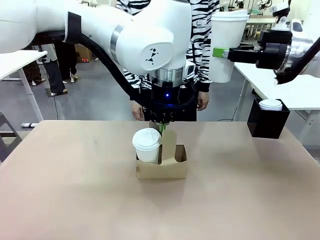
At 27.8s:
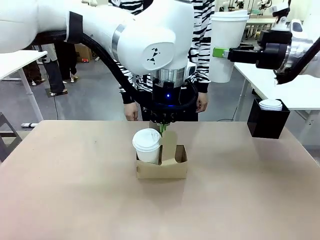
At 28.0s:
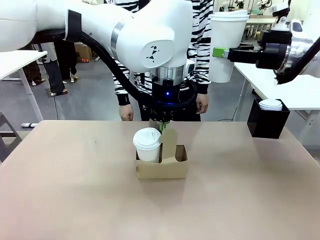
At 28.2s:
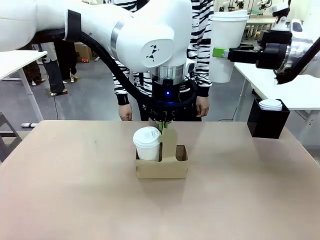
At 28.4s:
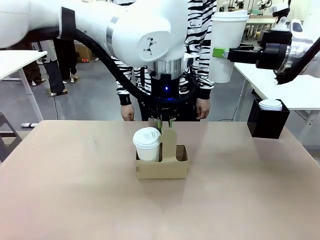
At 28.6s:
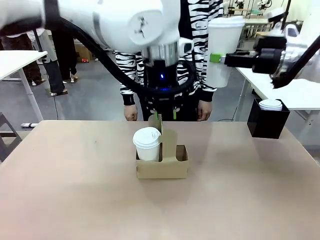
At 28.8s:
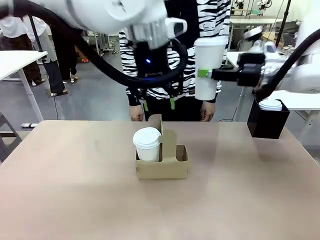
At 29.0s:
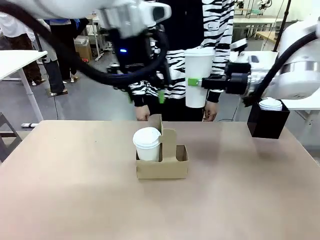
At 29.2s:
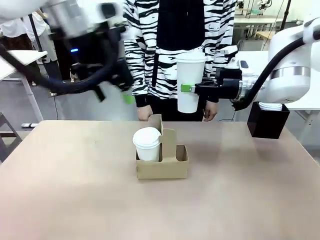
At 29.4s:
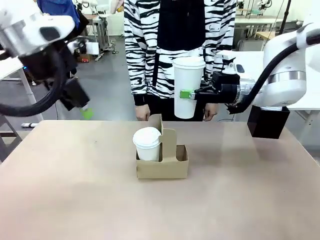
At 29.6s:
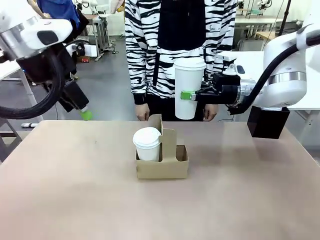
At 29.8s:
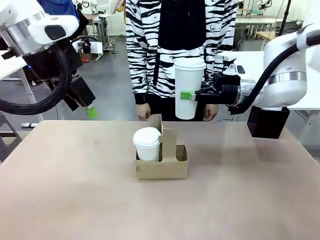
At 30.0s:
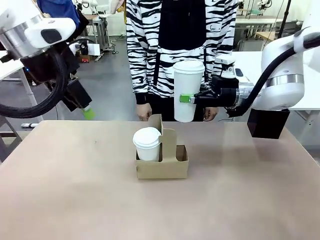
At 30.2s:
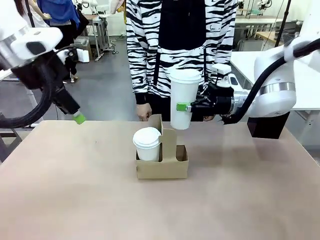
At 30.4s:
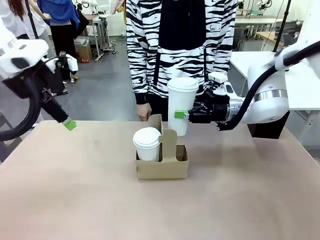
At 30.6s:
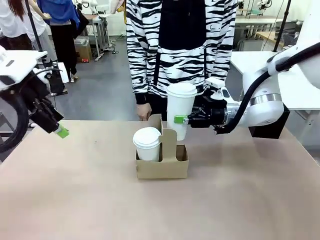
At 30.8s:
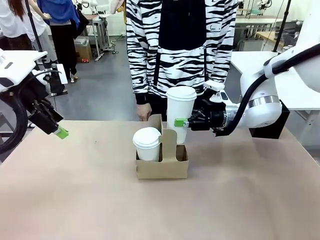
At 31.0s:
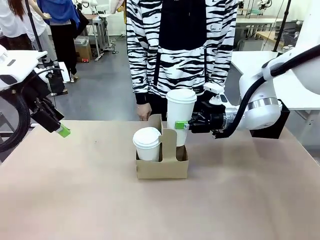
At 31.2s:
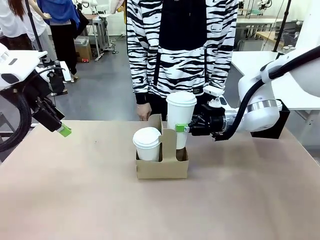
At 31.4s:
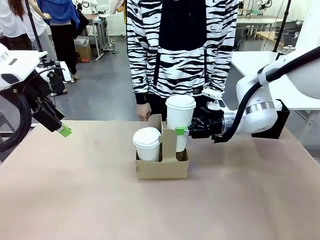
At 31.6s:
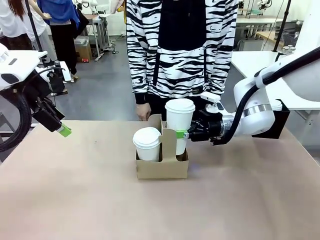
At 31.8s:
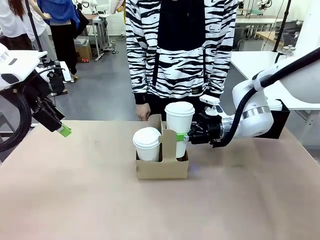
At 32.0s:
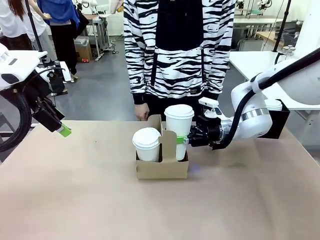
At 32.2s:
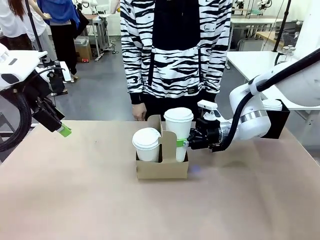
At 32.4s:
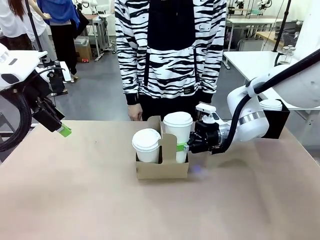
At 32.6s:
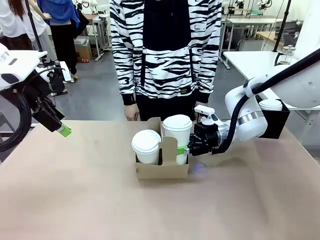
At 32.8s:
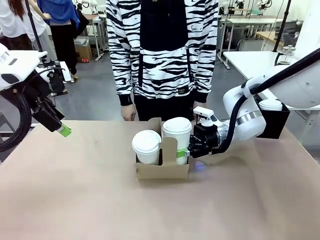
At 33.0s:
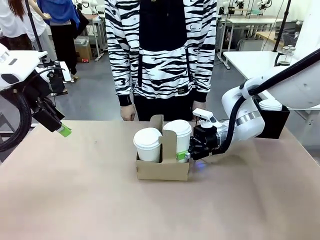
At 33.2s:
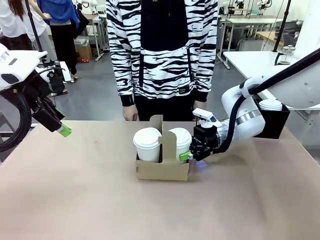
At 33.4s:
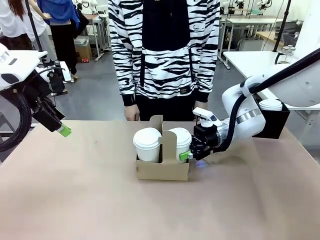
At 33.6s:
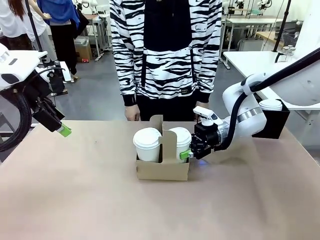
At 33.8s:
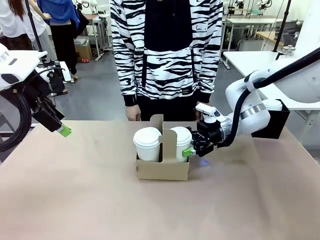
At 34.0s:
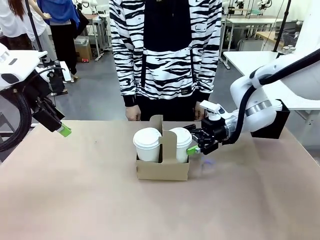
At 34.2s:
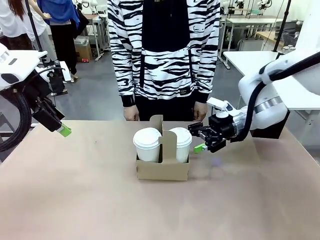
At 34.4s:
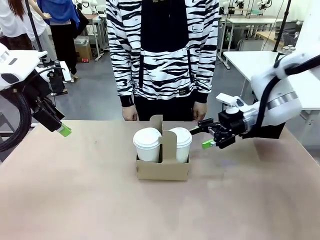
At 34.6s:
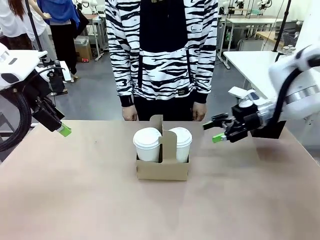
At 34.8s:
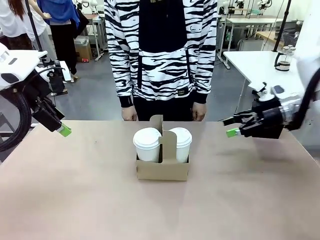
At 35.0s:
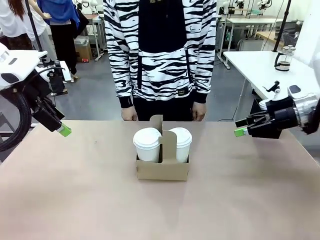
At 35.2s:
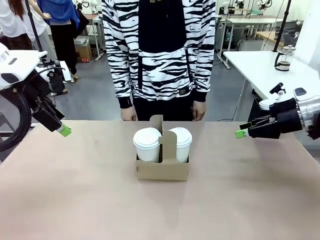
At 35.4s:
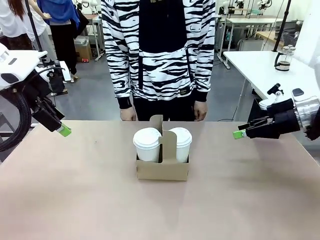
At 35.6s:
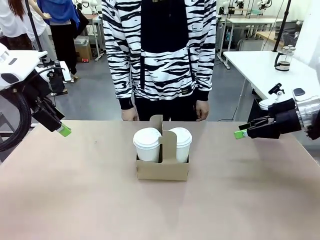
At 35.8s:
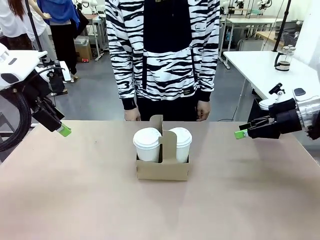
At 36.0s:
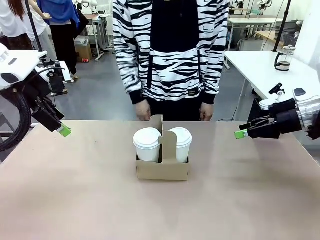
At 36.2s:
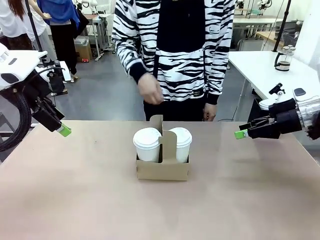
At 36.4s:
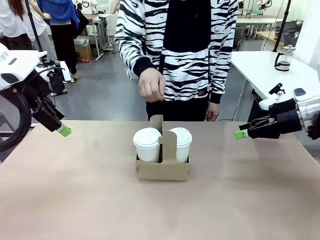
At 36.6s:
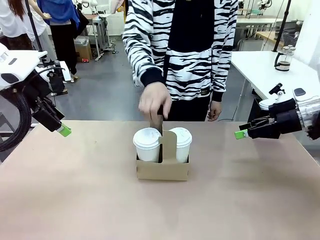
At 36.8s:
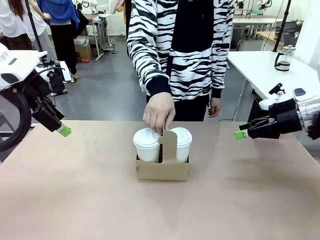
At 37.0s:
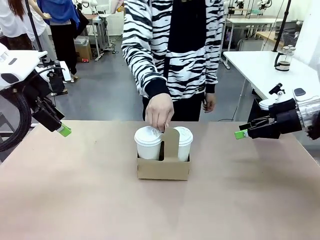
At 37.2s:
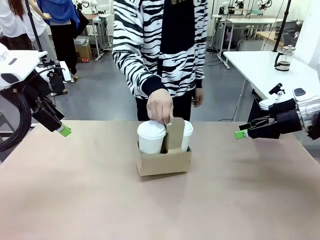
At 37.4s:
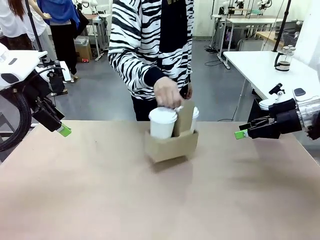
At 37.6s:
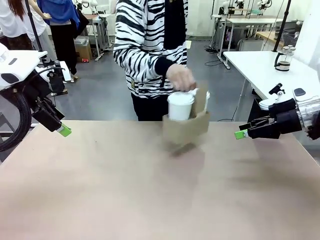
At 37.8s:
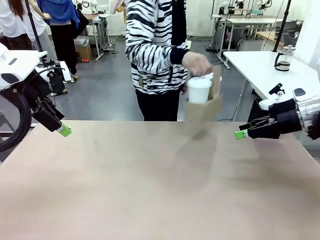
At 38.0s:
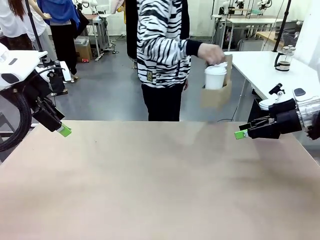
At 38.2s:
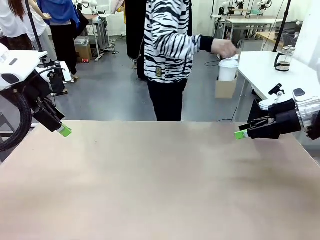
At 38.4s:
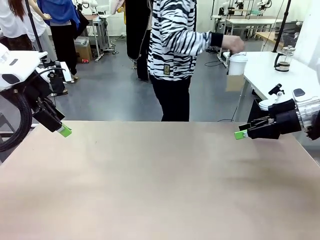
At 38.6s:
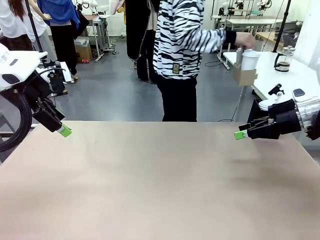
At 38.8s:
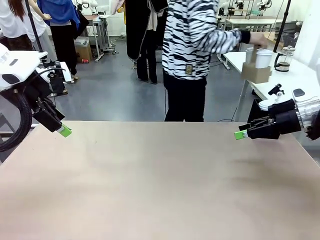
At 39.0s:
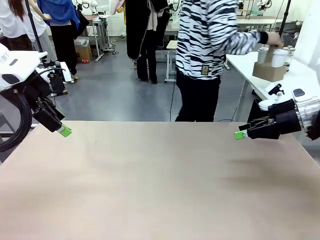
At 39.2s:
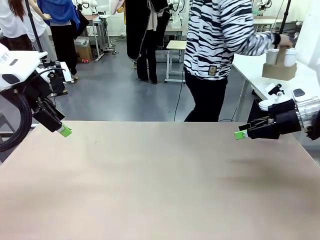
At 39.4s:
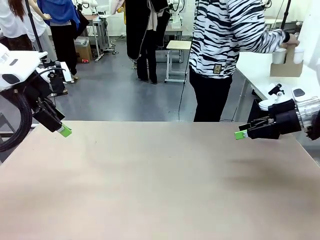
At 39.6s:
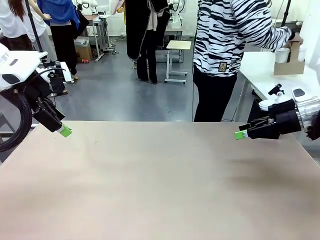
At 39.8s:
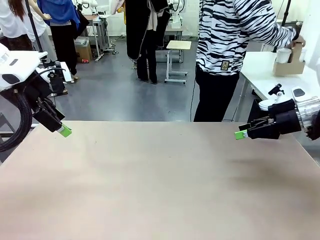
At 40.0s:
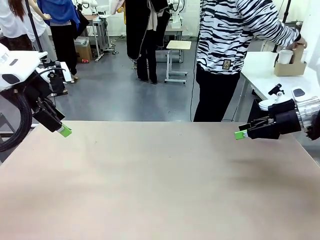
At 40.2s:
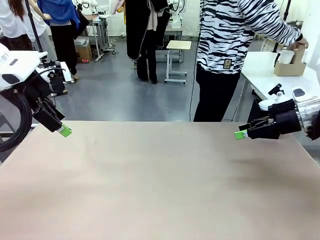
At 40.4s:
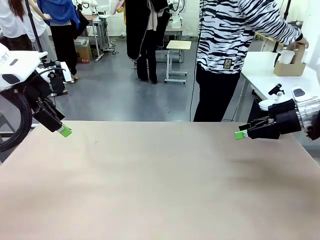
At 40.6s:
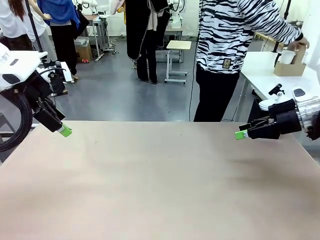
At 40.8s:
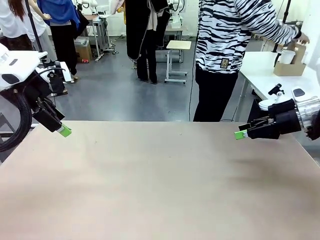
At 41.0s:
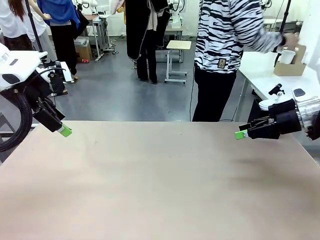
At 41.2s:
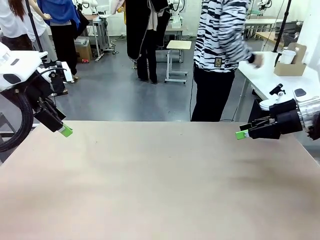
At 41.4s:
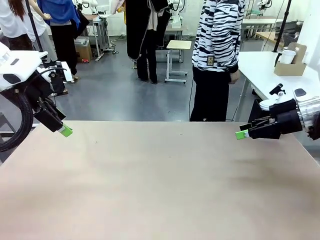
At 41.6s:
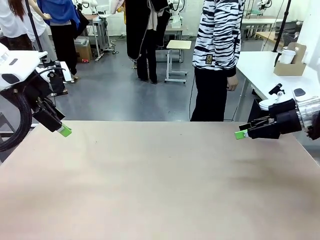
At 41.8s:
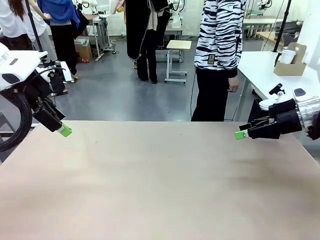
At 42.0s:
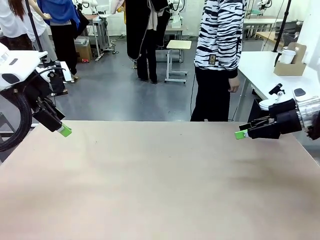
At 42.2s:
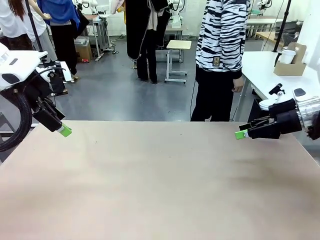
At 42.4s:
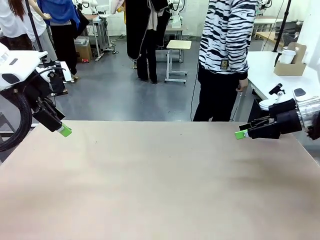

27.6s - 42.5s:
Task: Pour a drink into a cup and package it in a carrier.
Robot: Insert the held 600 ml Paper Cup into the Cup Carrier.
Person: Place the Cup Carrier to the middle of Human table.
